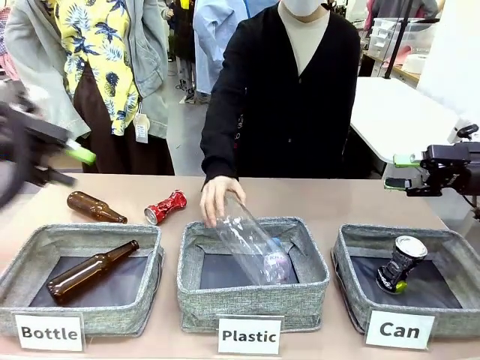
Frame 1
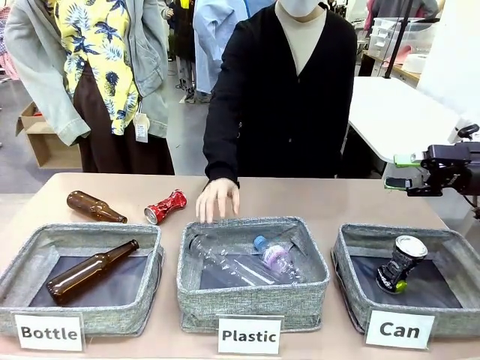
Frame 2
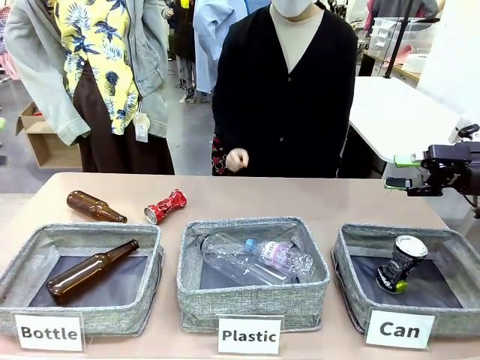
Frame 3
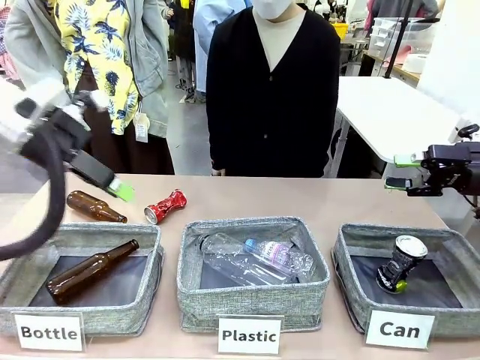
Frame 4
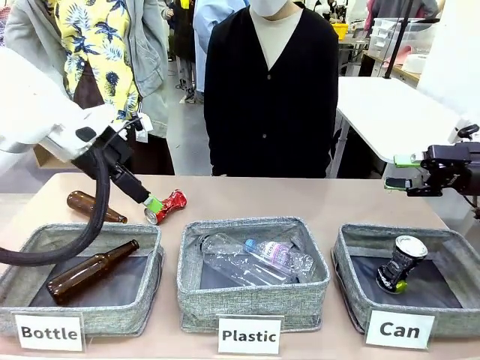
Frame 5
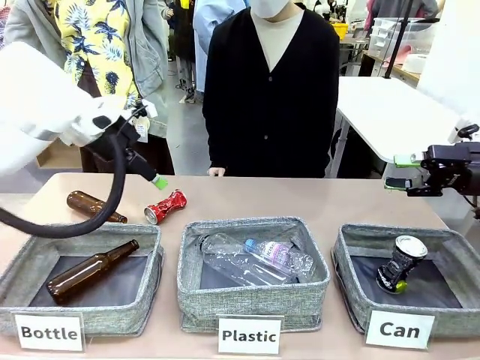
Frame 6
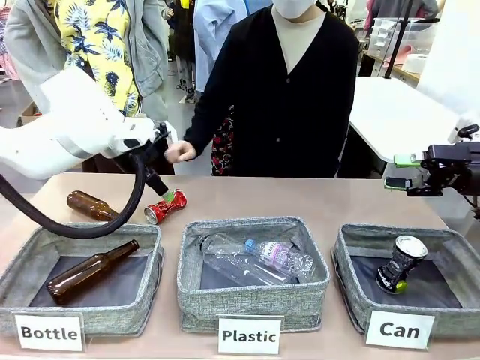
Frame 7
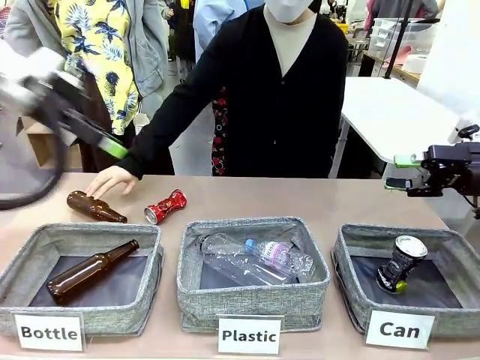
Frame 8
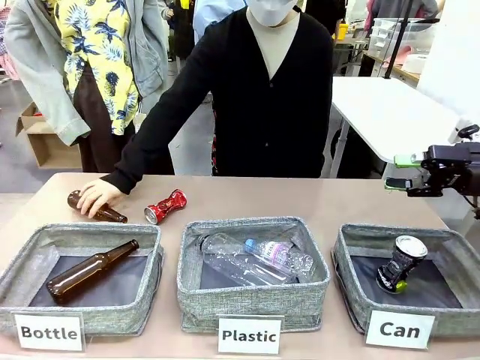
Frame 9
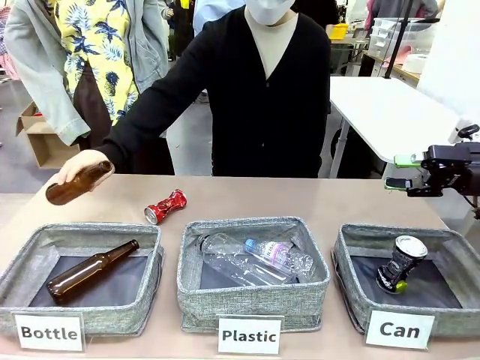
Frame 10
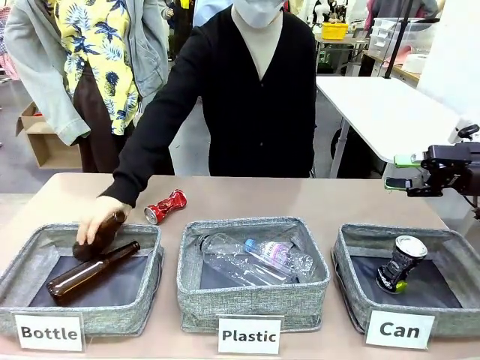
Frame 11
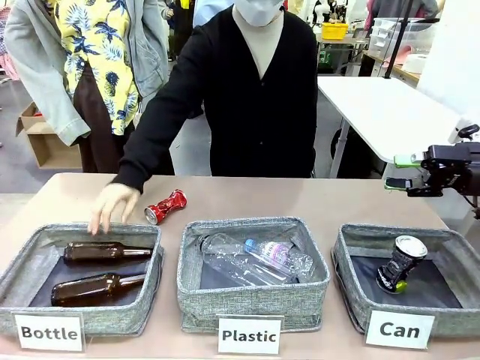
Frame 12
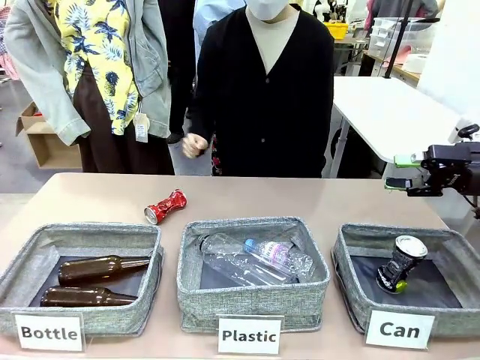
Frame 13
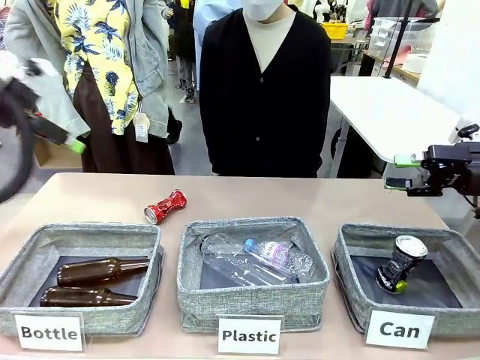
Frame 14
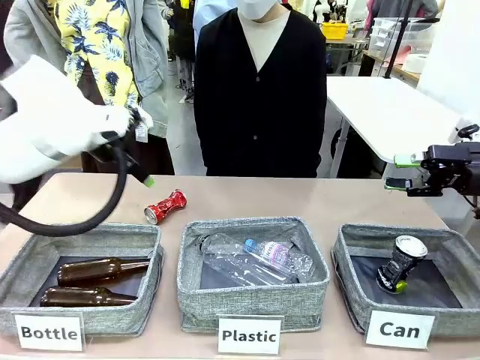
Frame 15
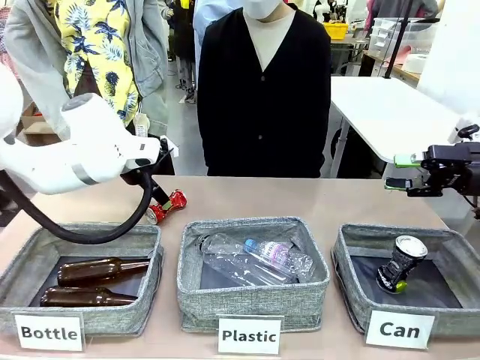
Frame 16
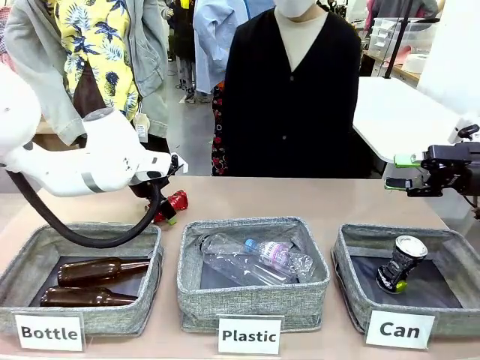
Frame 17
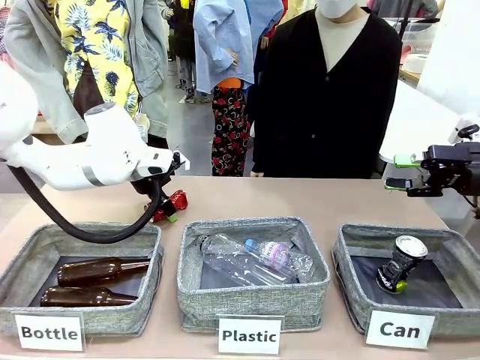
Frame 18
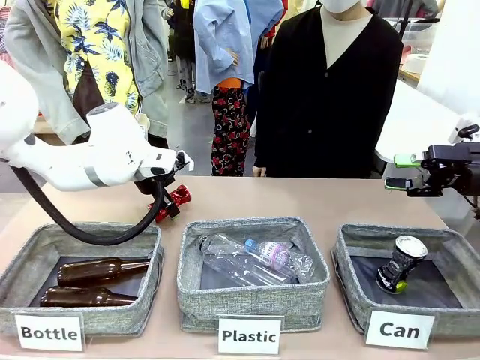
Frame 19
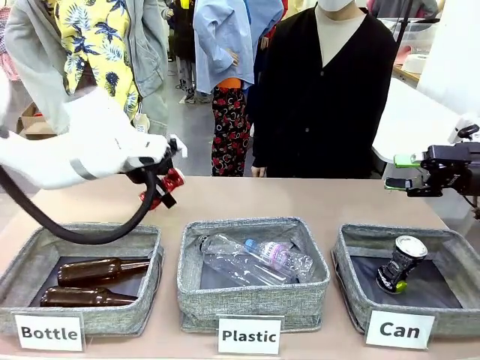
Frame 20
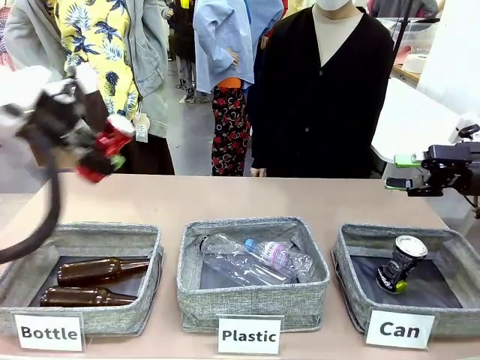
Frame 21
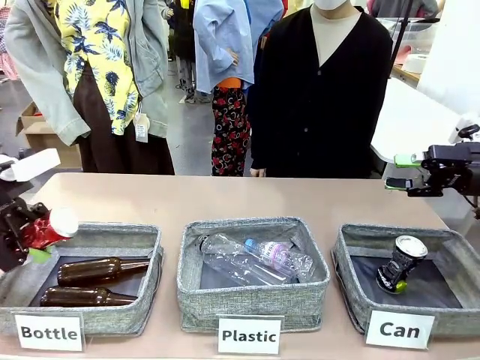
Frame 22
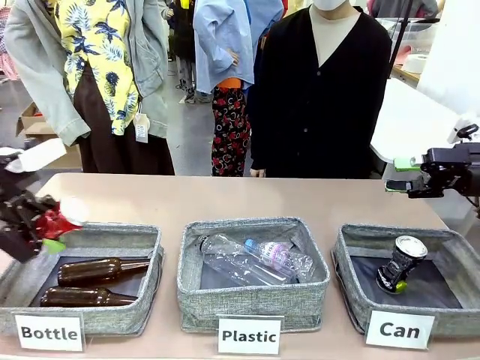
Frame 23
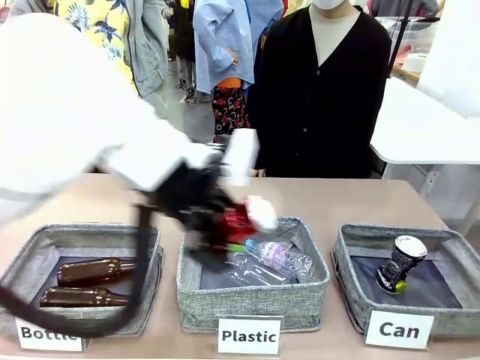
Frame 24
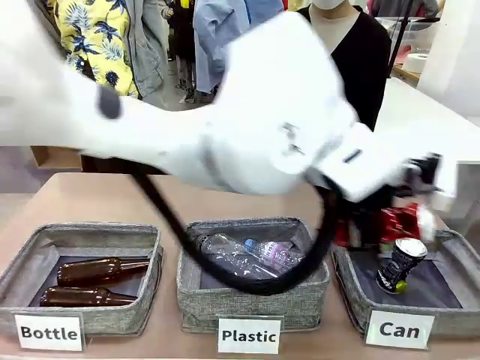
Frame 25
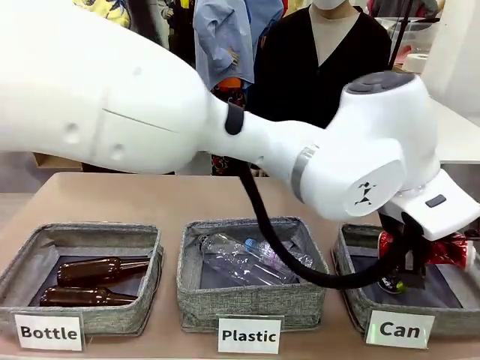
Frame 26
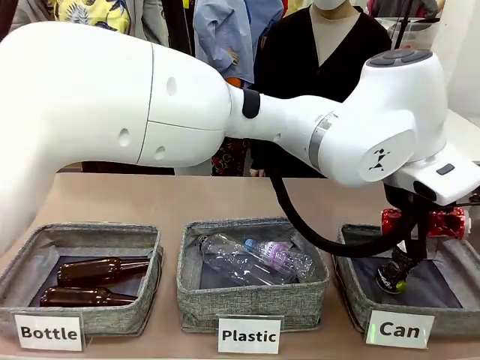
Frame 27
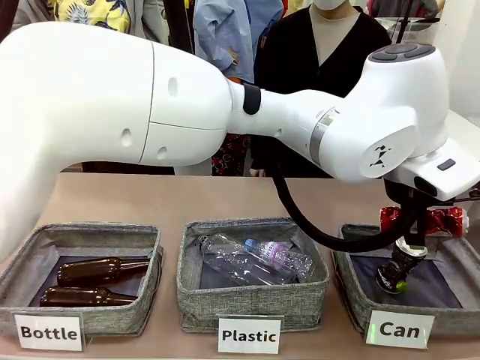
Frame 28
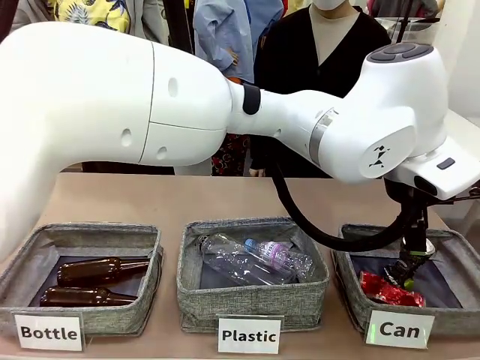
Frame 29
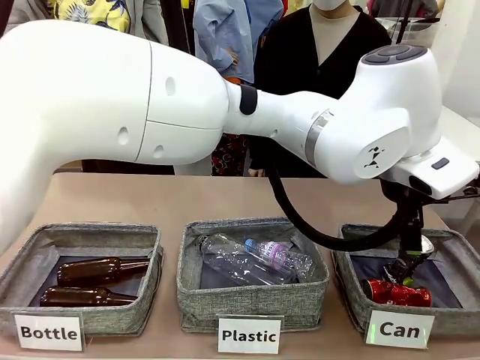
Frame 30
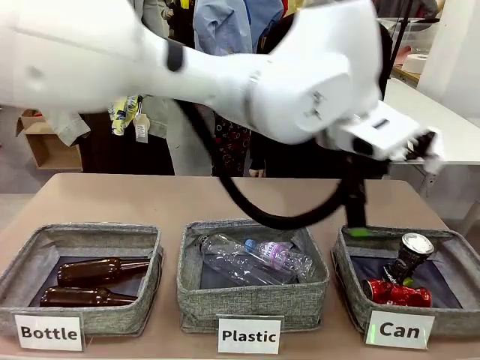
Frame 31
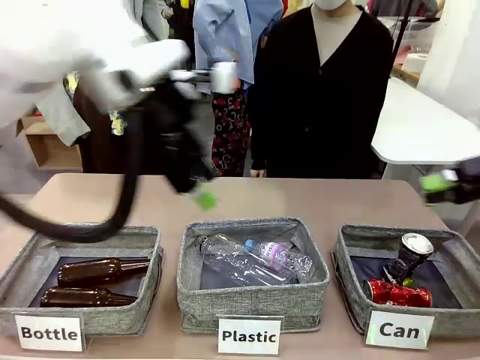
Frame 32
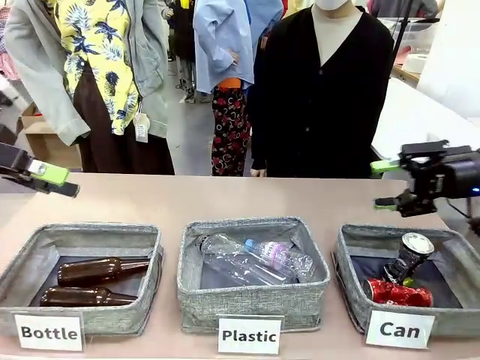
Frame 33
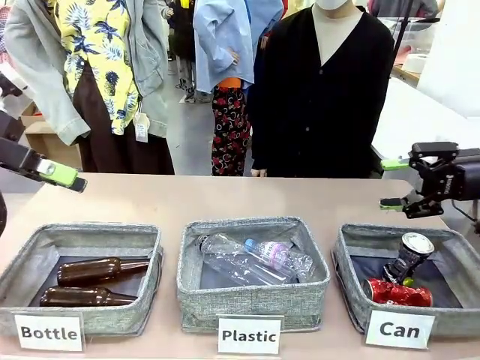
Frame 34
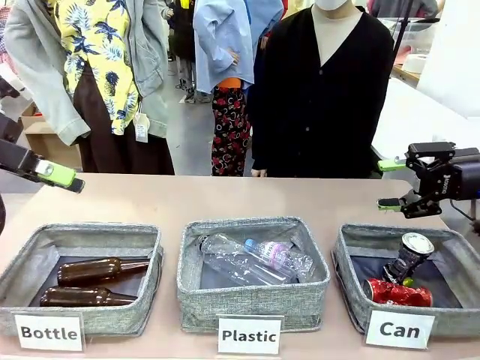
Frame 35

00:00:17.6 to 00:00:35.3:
Task: Sort the can waste into the basket.
Robot: Pick up the can waste from the table and place it in the right Fabric basket.
Person: The human picks up one piece of trash that is not a can and places the trash into the appropriate organizing basket.

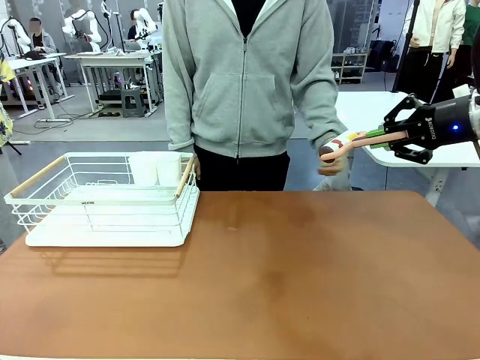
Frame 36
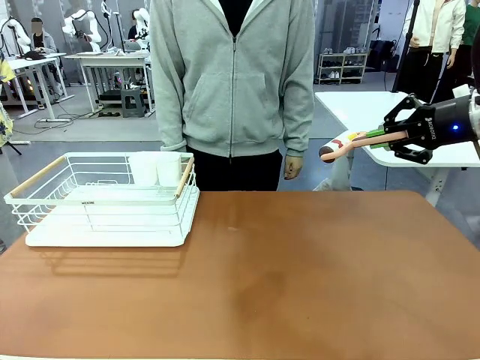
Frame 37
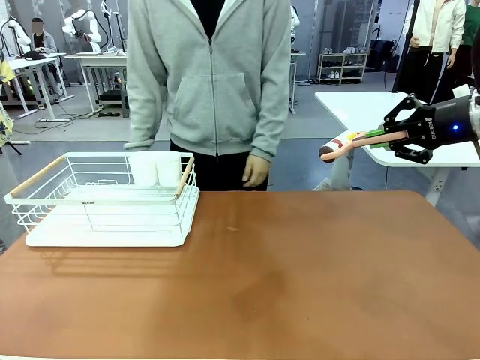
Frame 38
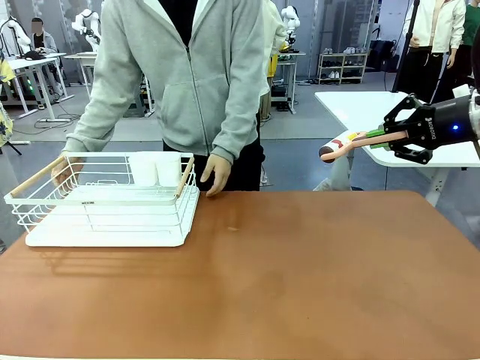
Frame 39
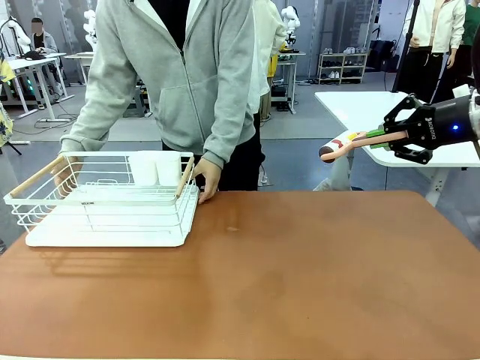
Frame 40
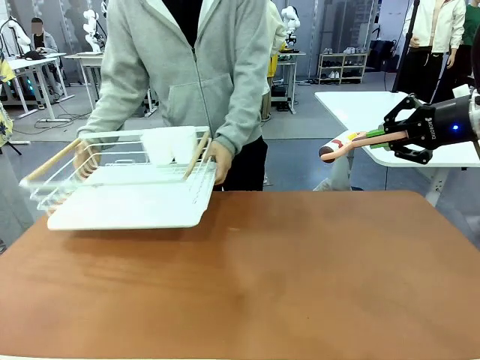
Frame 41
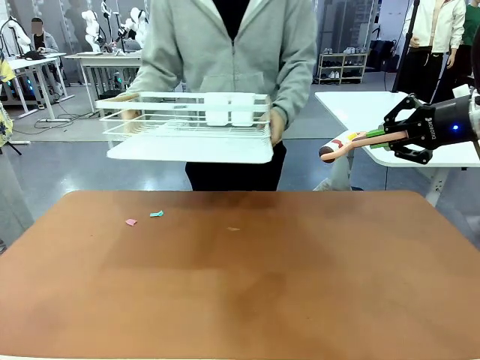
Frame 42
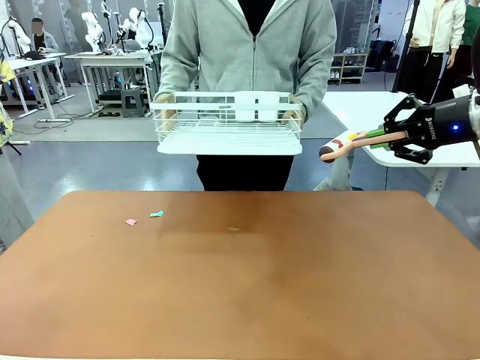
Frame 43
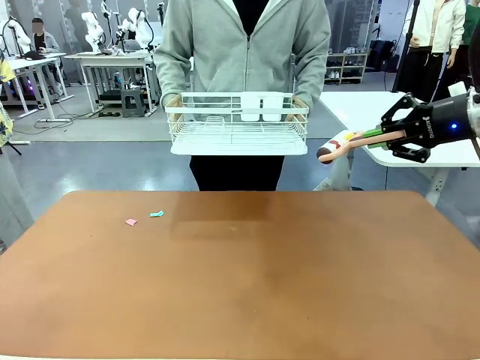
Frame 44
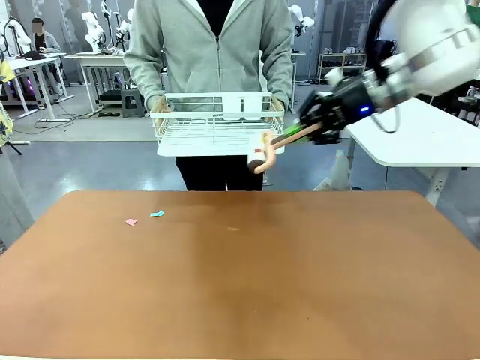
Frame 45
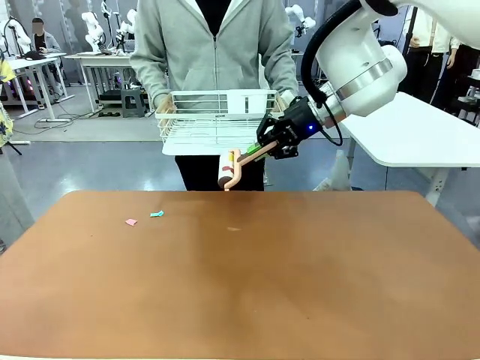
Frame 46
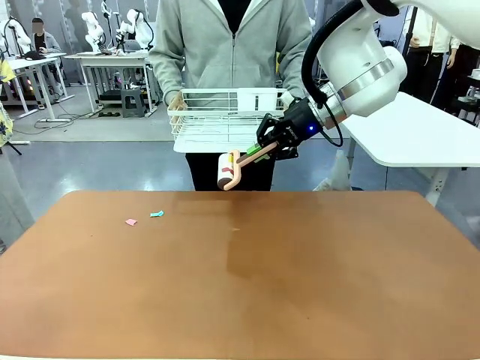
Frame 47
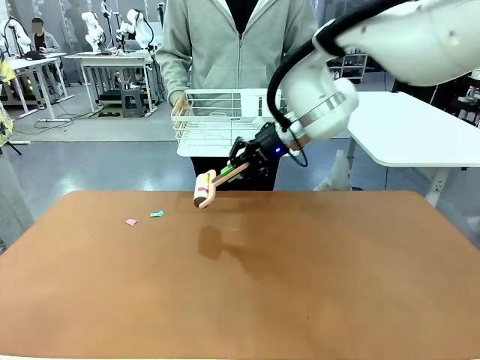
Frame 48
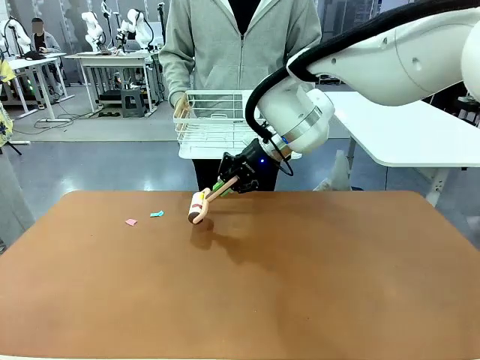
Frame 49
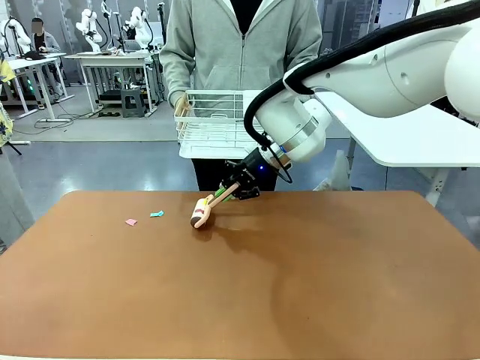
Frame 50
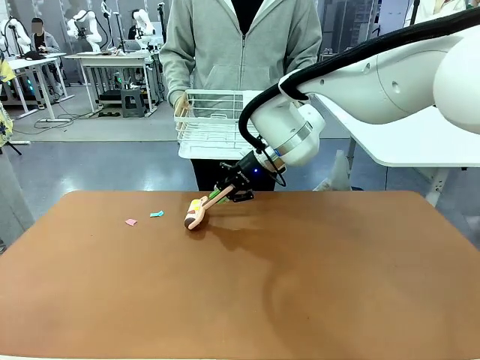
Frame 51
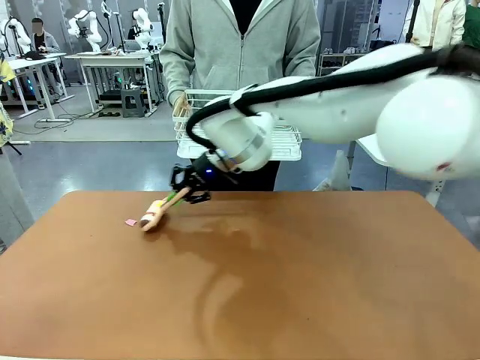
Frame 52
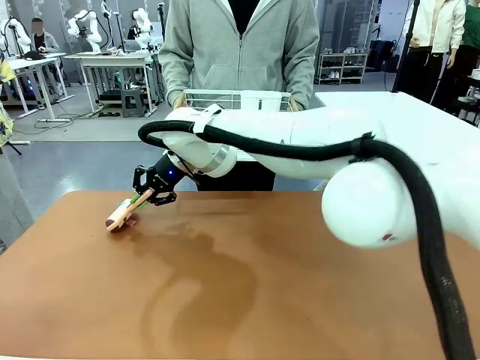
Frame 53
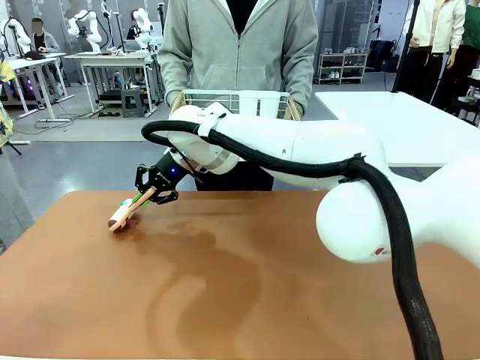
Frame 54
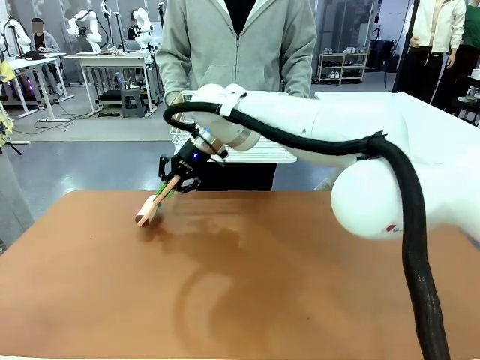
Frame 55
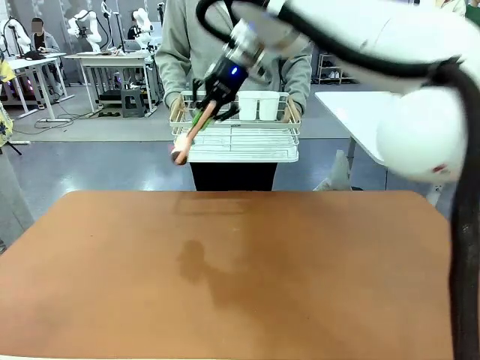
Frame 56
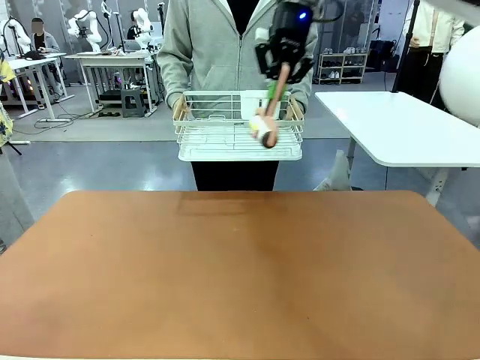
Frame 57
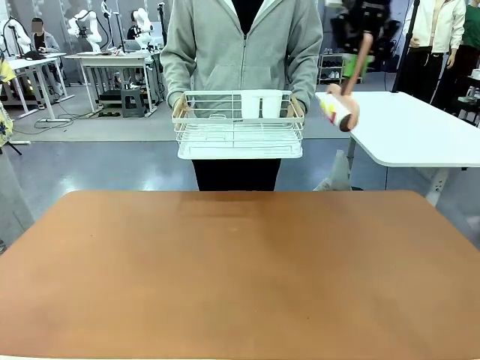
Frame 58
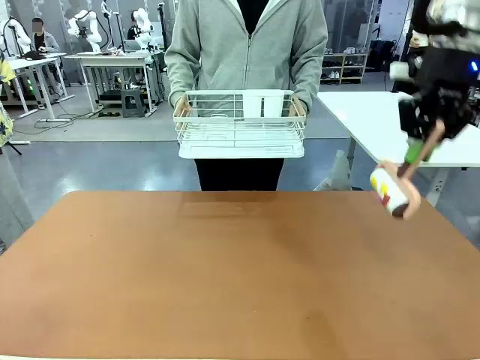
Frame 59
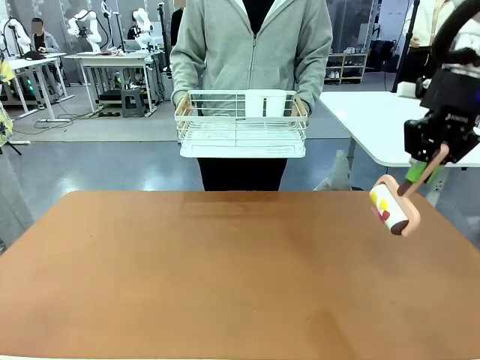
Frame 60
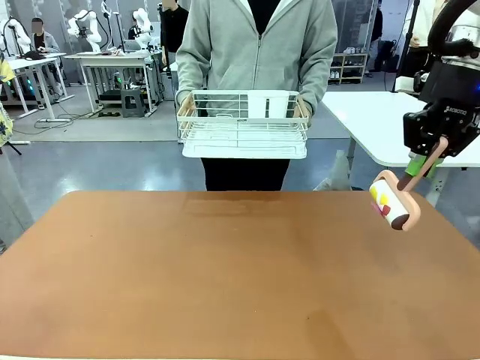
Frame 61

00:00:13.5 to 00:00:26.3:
Task: Clean the table.
Robot: Clean the table with the Lint Roller when the human lifts the Dish drying rack.
